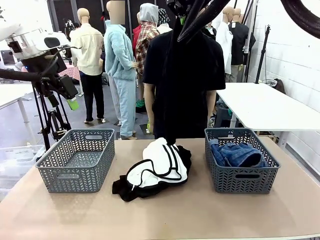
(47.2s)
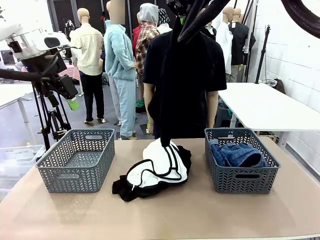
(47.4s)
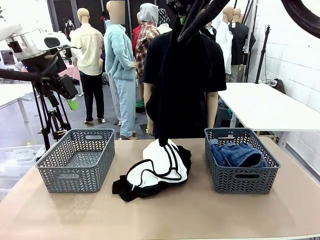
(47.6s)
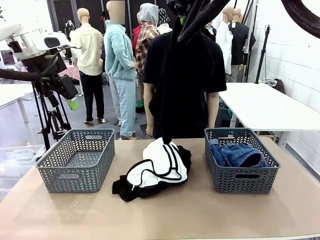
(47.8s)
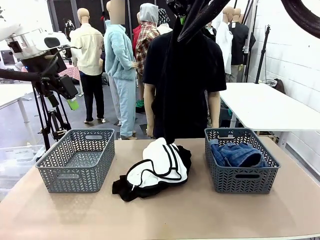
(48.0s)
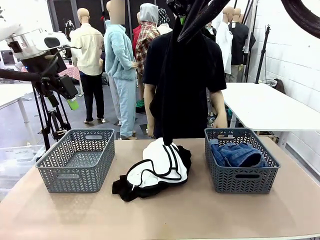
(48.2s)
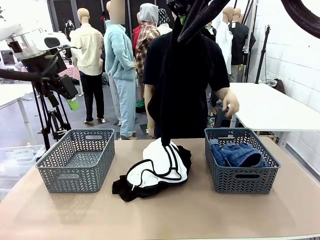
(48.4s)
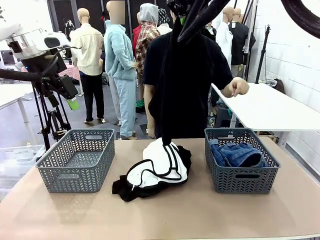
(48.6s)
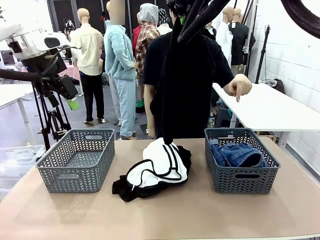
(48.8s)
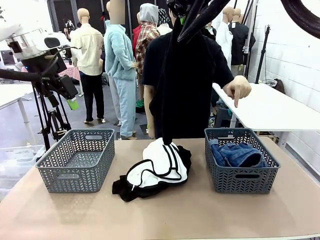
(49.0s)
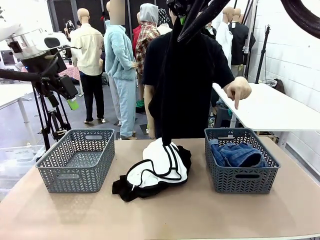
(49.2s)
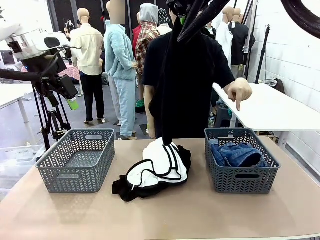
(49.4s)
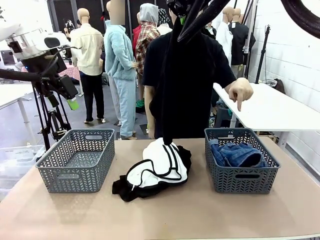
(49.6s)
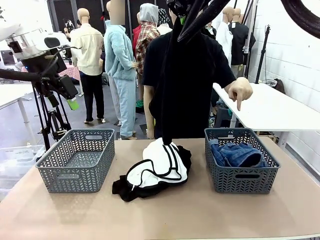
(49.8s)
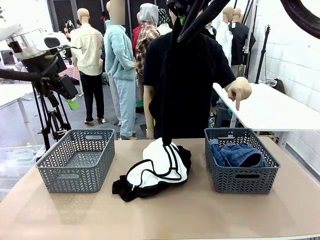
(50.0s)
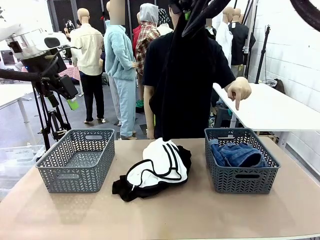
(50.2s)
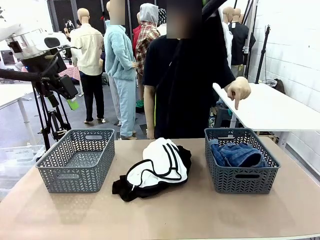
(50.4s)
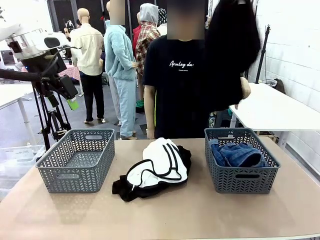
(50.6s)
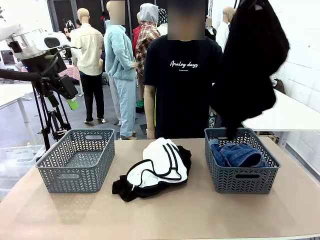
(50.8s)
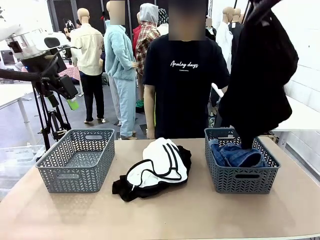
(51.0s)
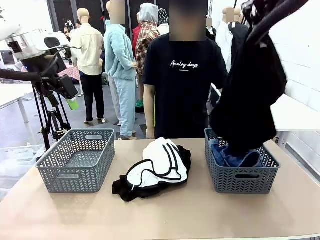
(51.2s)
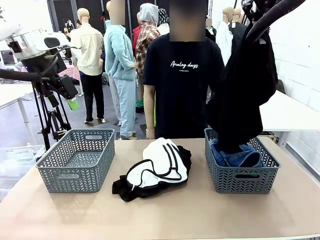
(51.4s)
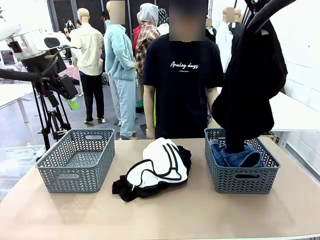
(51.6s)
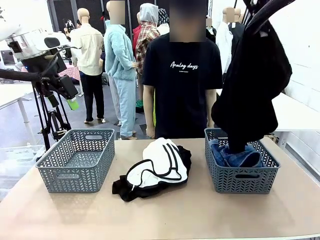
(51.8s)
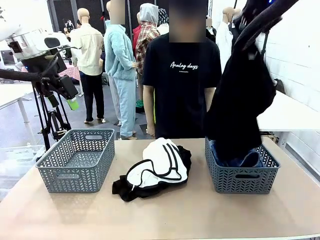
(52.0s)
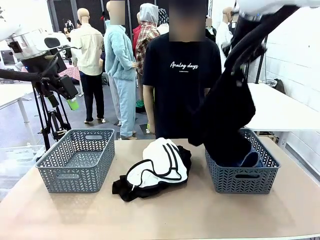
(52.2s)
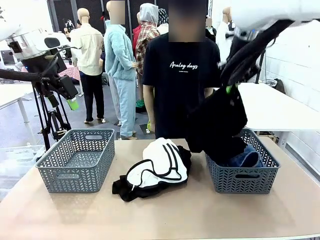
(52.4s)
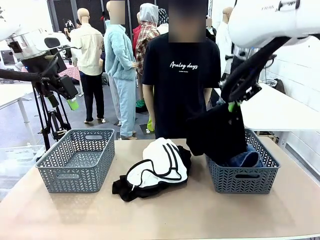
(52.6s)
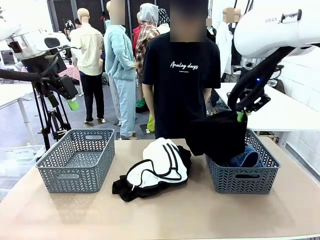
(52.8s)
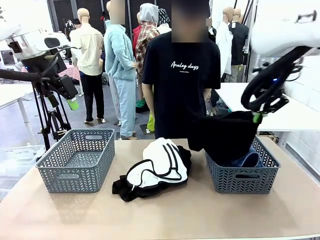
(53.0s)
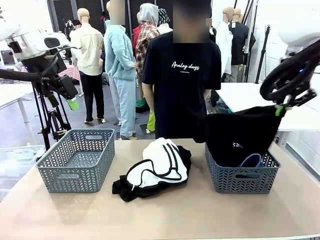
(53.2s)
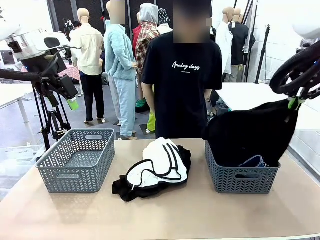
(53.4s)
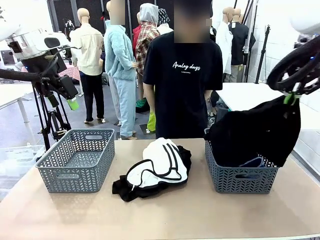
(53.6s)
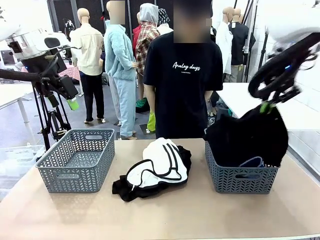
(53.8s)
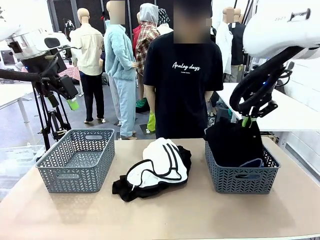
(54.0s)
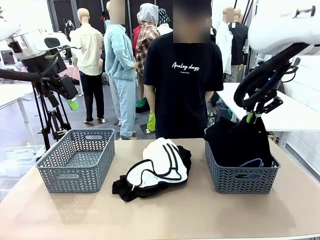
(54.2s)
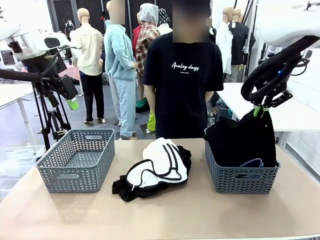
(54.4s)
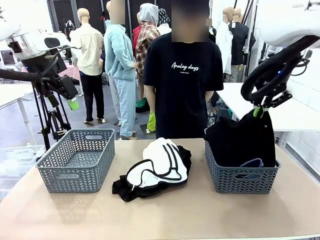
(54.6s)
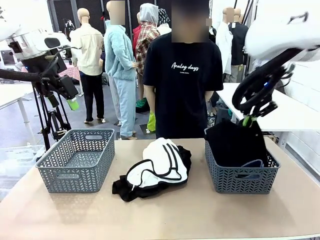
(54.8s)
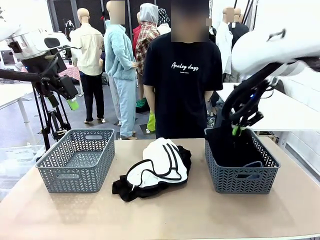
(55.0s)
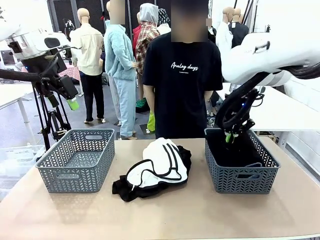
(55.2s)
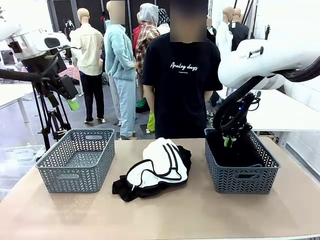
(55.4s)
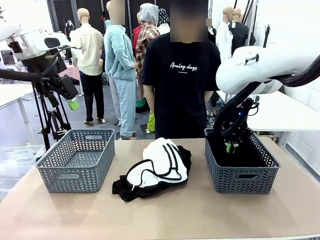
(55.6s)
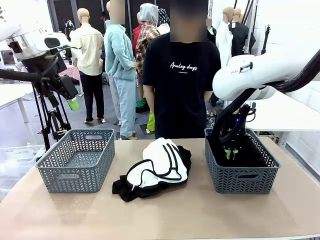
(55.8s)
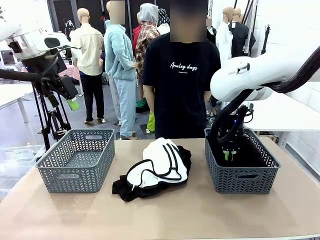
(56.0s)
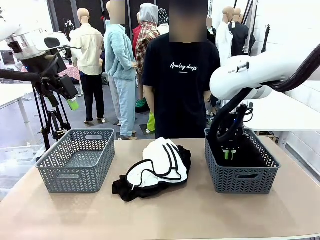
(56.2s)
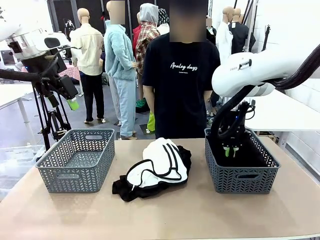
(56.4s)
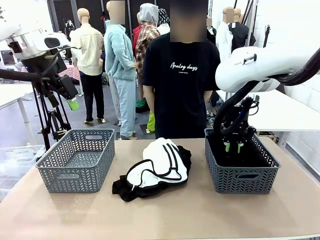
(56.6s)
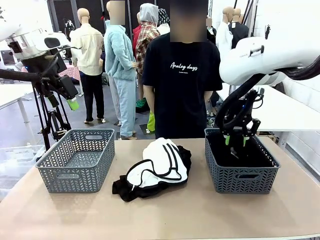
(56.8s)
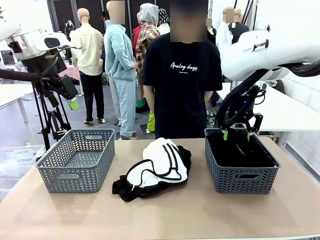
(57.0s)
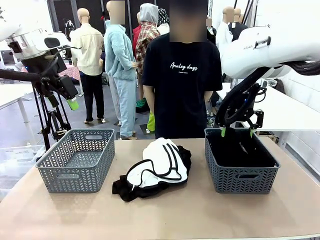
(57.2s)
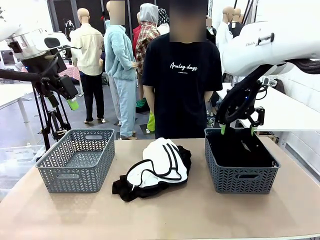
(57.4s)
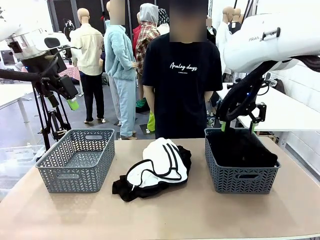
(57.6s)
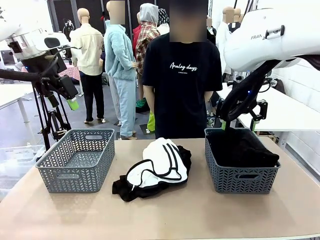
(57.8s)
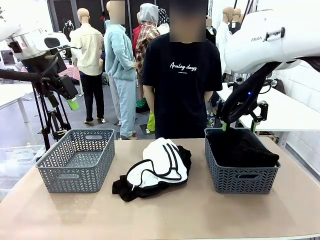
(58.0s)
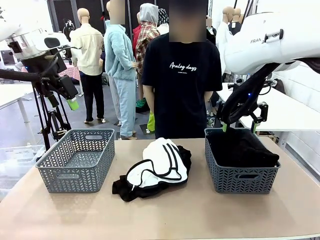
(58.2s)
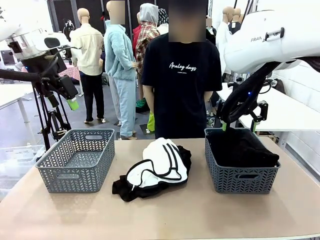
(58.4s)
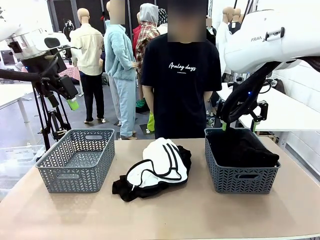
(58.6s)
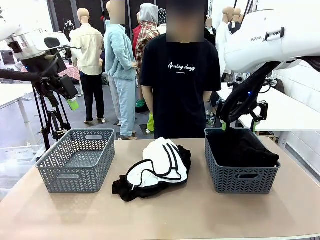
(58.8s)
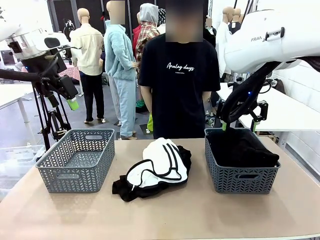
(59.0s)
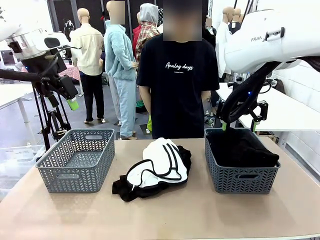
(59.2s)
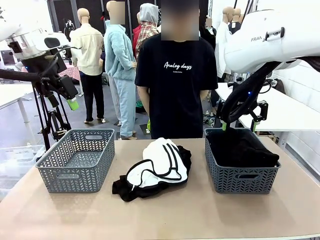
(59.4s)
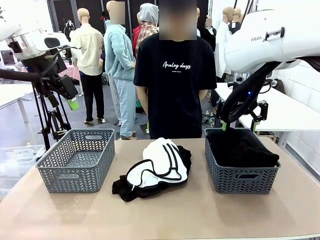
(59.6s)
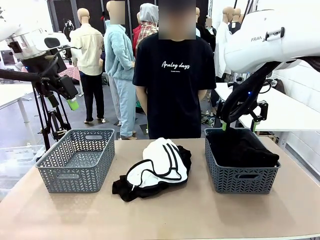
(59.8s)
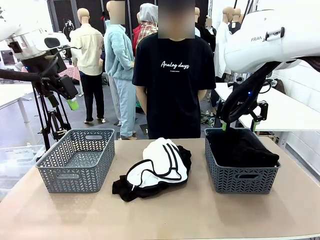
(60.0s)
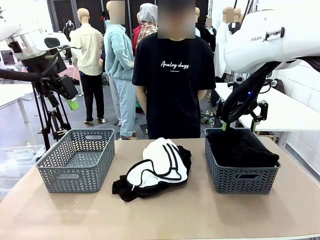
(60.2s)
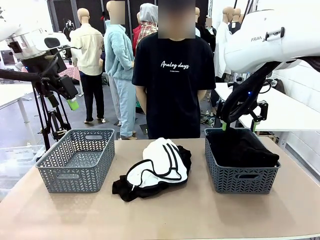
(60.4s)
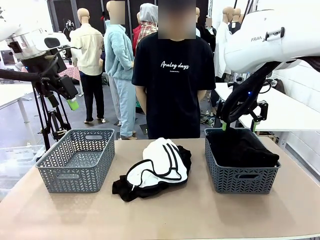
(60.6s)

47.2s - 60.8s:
Task: Sort the tops and bottoms.
Robot: Sort the clothes according to human instructions.

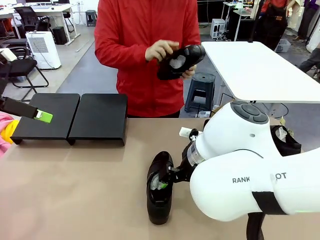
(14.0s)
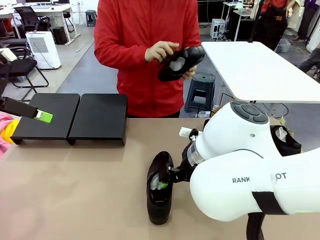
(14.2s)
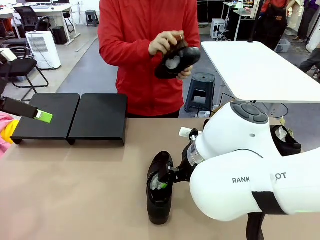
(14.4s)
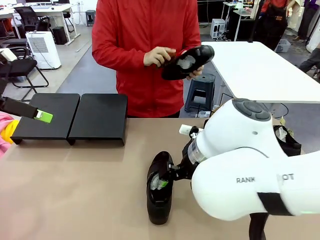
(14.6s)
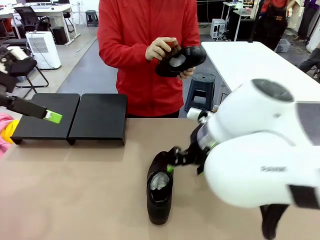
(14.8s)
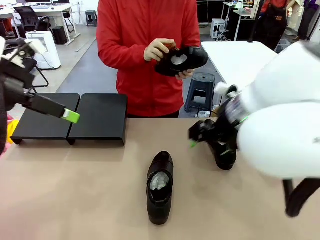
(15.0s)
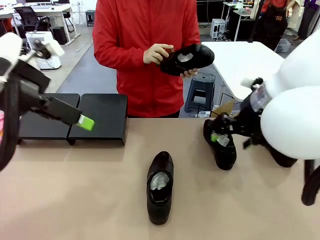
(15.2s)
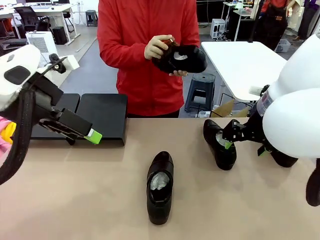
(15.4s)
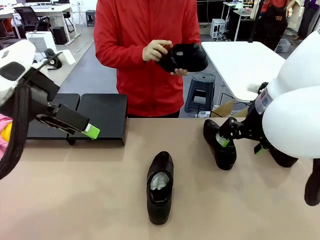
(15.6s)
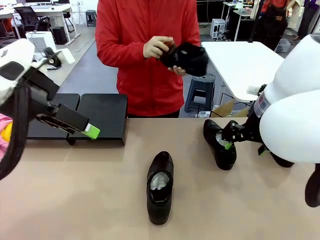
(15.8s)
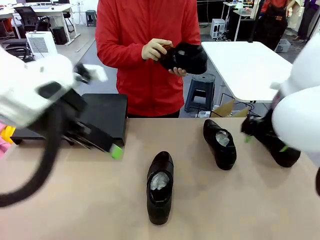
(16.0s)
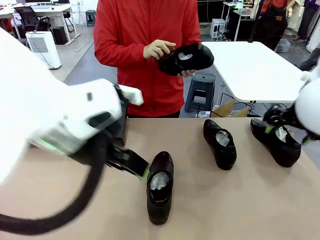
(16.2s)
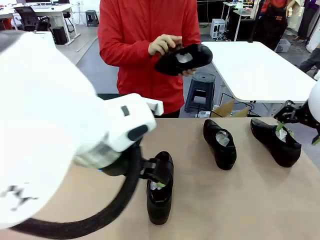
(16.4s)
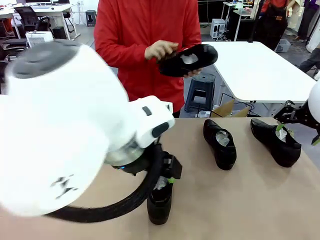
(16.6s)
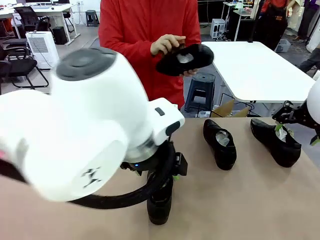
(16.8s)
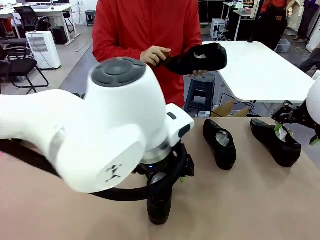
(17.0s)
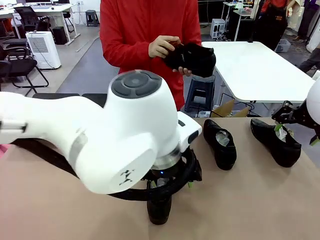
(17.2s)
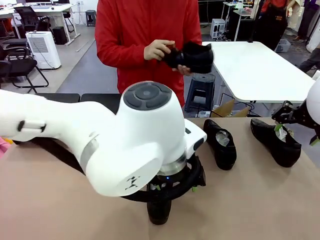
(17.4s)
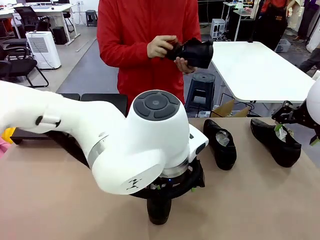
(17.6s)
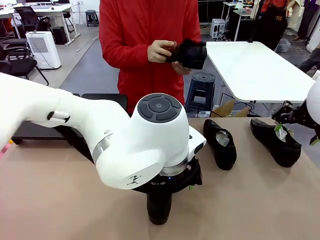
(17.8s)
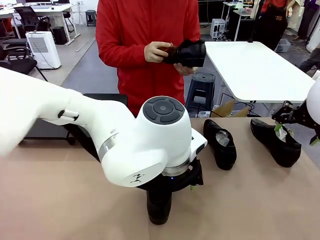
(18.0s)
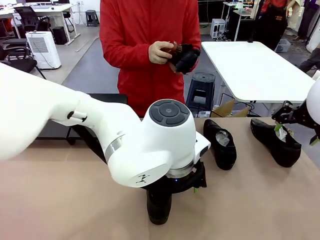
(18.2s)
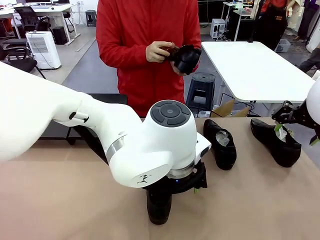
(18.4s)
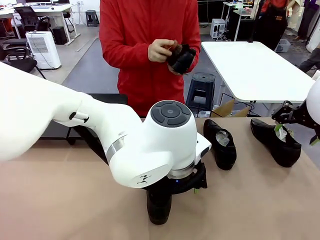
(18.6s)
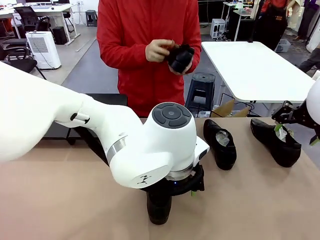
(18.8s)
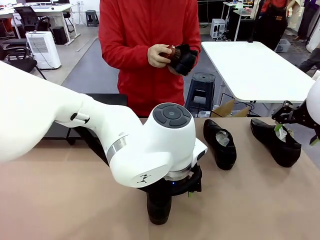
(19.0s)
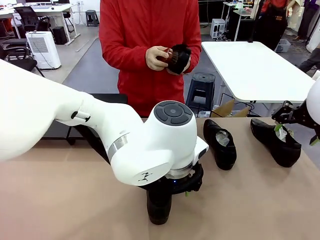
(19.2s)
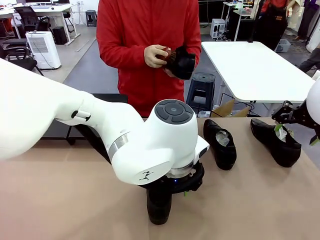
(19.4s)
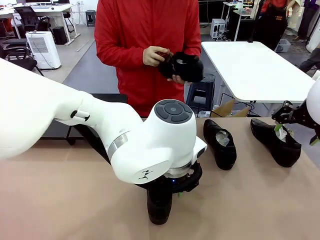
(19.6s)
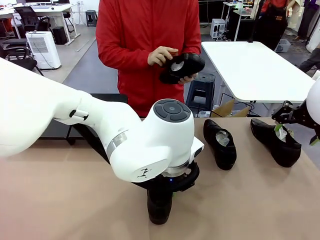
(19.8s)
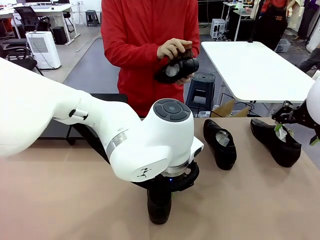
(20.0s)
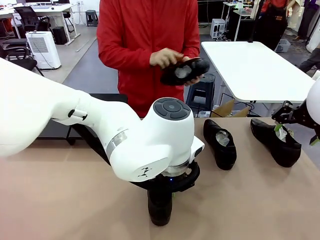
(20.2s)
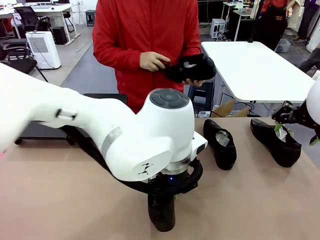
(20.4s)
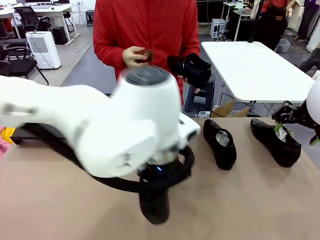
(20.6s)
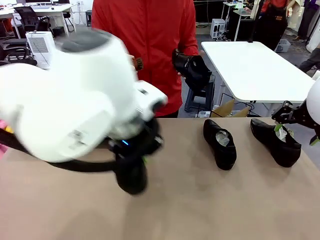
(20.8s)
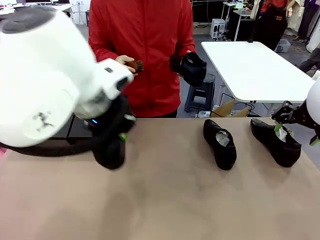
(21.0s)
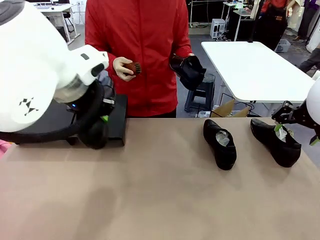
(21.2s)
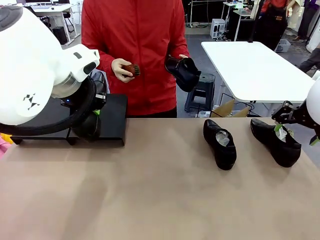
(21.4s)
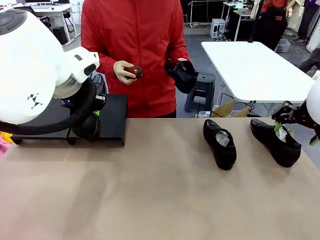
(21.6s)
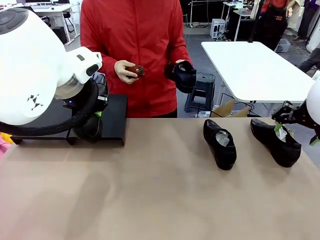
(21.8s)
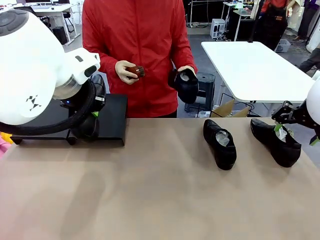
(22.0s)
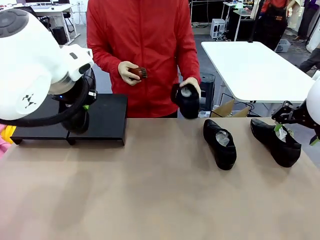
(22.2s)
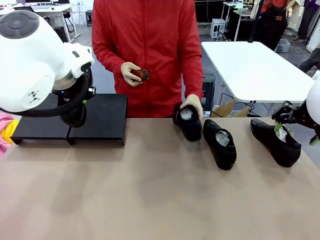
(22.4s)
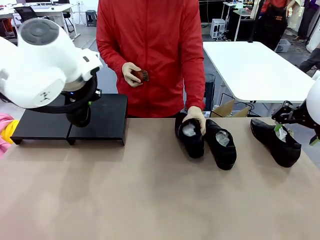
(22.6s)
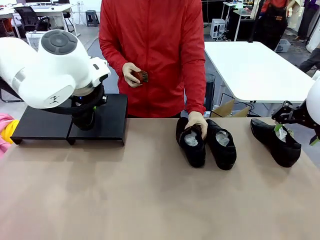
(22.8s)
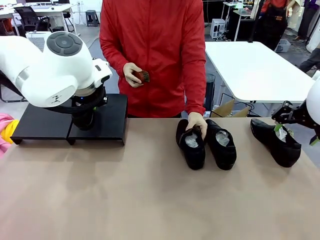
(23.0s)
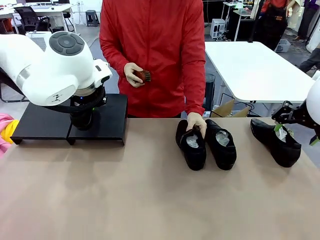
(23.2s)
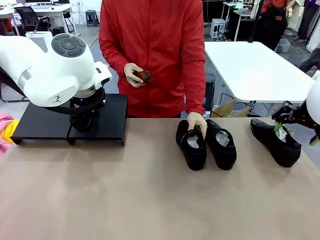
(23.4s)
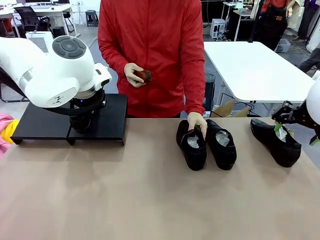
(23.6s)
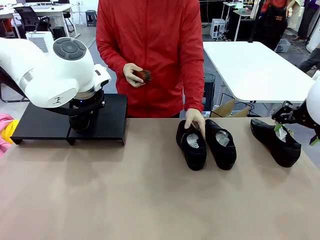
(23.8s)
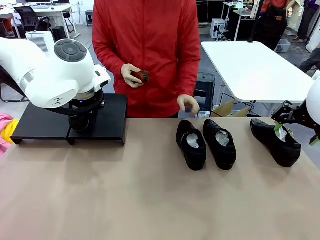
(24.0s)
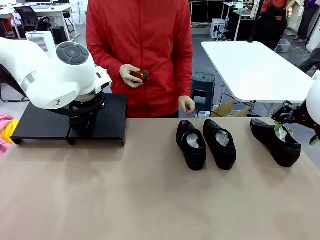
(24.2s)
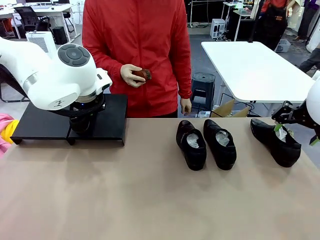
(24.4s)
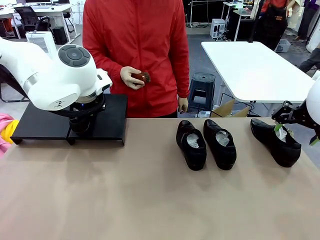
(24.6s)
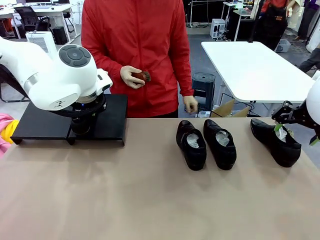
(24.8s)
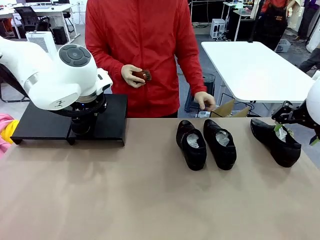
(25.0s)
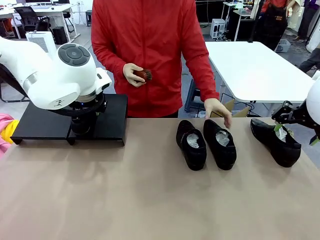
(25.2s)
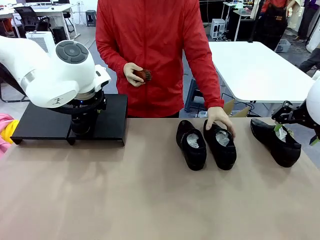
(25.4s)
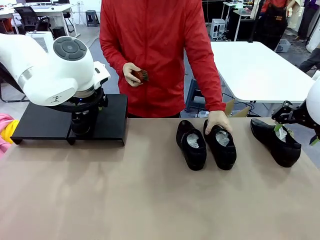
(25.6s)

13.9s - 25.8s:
Task: Organize the shoes by placing them on the stand.
Robot: Place the Shoe from the middle of the table onto the Shoes Stand.
Person: Place the Shoe on left side of the Robot's table.
